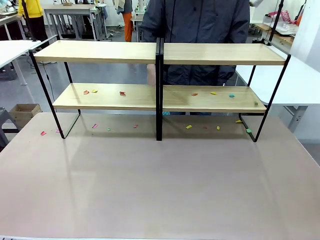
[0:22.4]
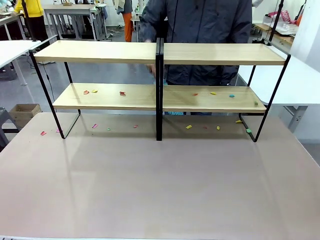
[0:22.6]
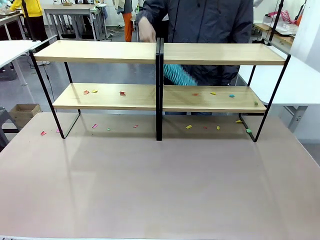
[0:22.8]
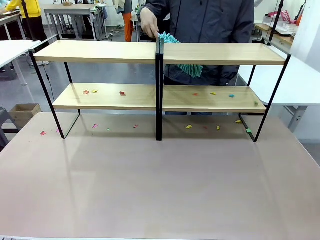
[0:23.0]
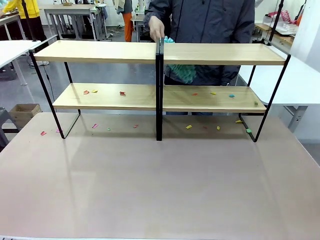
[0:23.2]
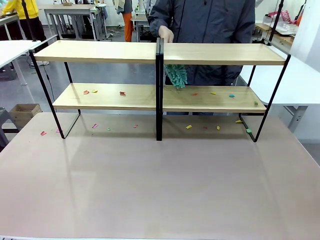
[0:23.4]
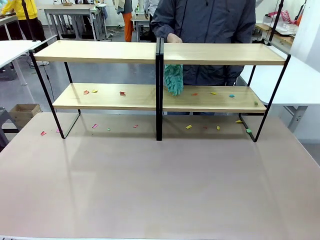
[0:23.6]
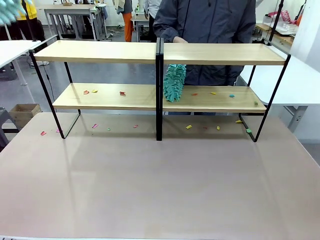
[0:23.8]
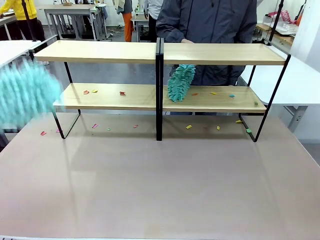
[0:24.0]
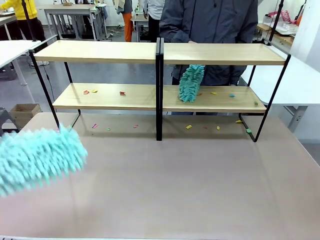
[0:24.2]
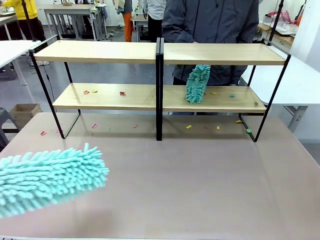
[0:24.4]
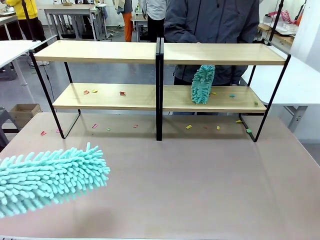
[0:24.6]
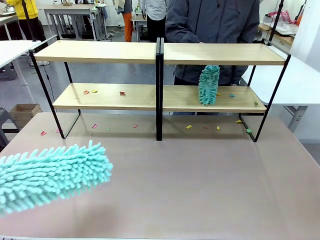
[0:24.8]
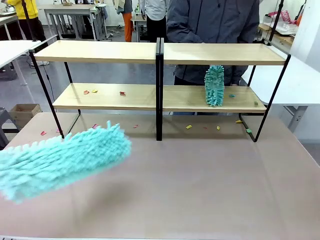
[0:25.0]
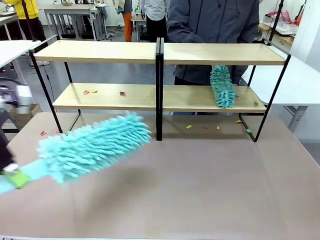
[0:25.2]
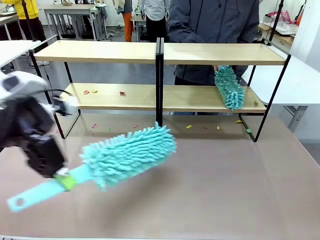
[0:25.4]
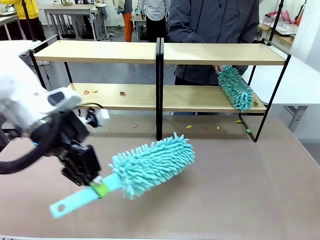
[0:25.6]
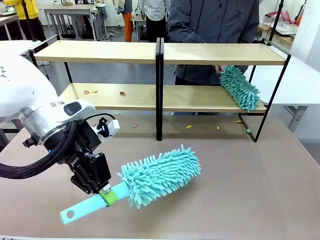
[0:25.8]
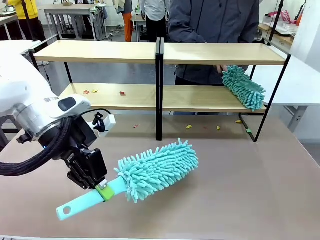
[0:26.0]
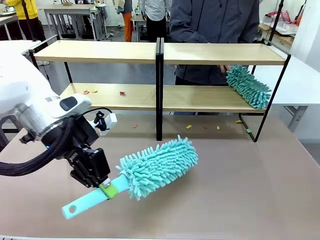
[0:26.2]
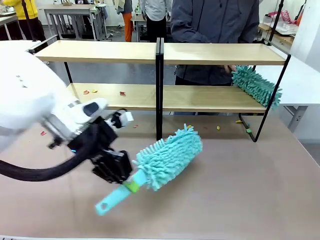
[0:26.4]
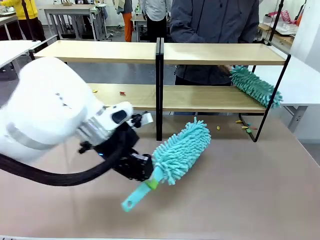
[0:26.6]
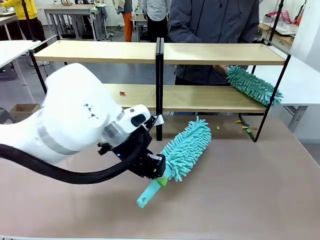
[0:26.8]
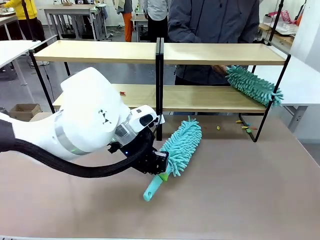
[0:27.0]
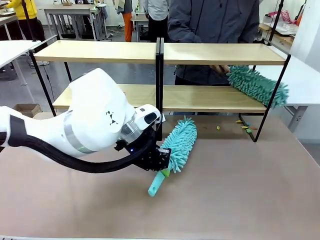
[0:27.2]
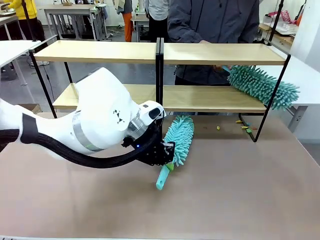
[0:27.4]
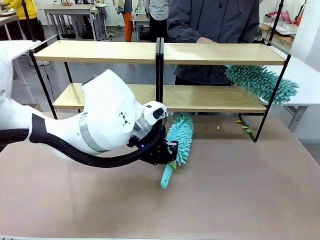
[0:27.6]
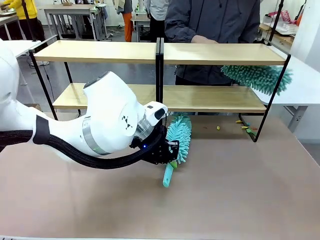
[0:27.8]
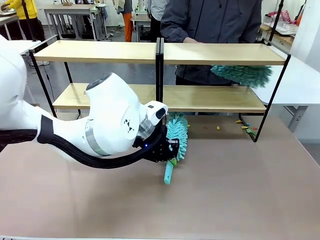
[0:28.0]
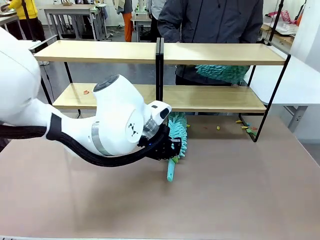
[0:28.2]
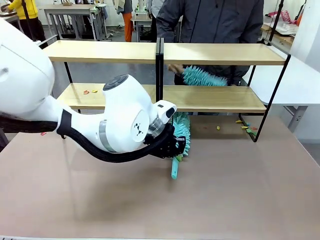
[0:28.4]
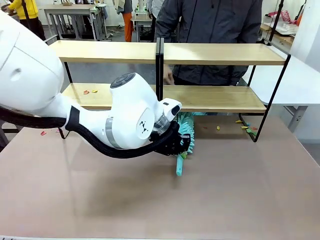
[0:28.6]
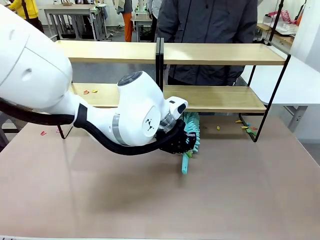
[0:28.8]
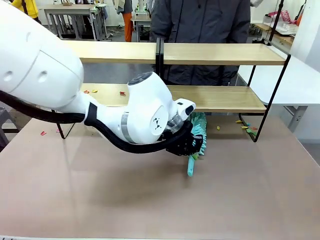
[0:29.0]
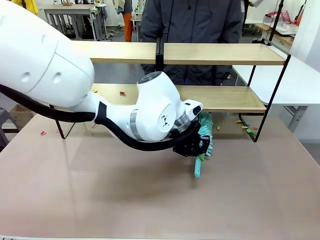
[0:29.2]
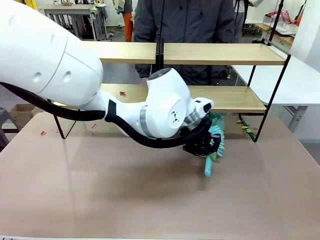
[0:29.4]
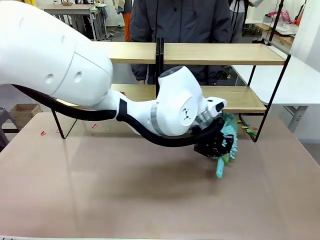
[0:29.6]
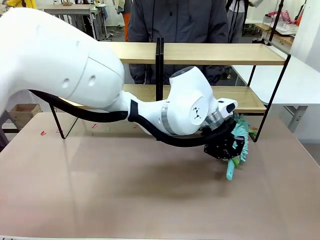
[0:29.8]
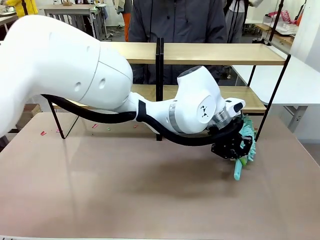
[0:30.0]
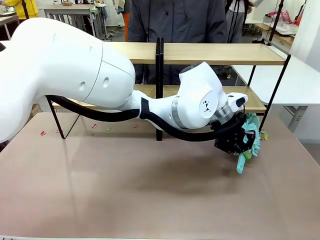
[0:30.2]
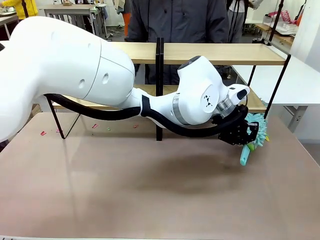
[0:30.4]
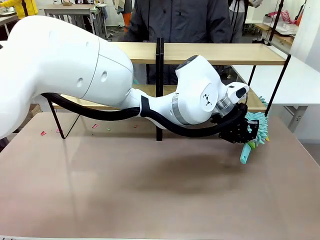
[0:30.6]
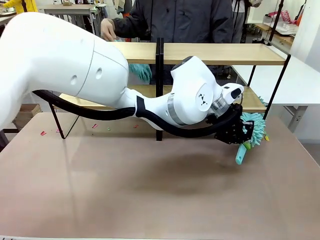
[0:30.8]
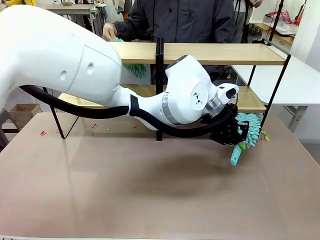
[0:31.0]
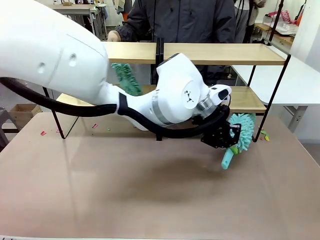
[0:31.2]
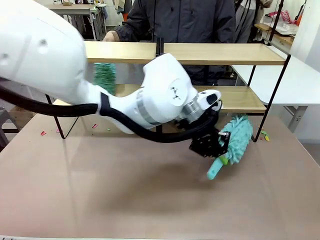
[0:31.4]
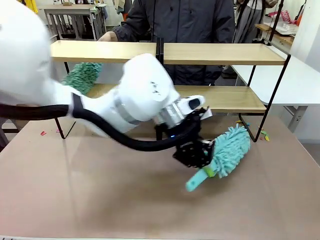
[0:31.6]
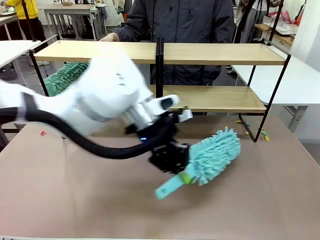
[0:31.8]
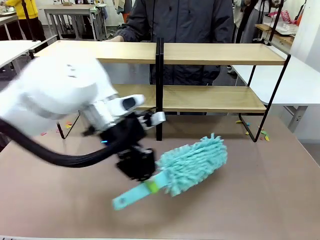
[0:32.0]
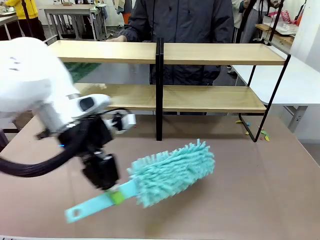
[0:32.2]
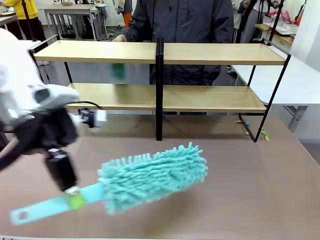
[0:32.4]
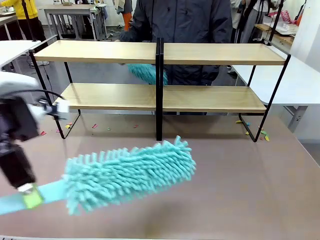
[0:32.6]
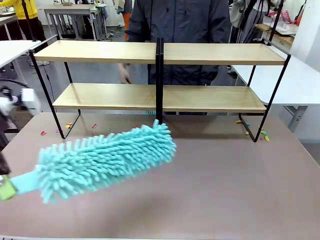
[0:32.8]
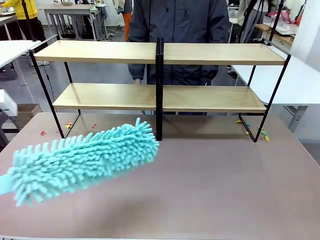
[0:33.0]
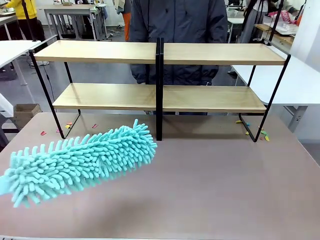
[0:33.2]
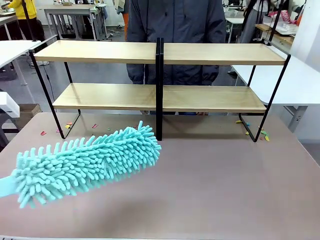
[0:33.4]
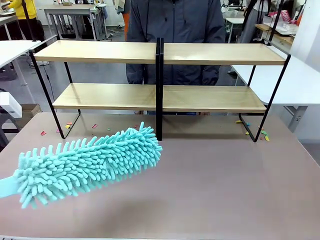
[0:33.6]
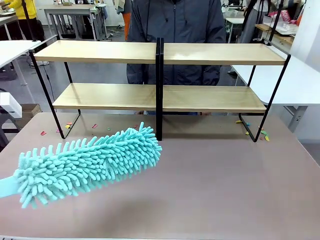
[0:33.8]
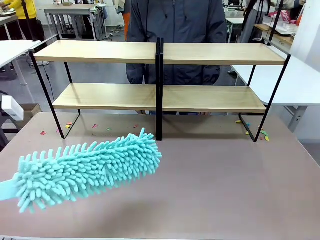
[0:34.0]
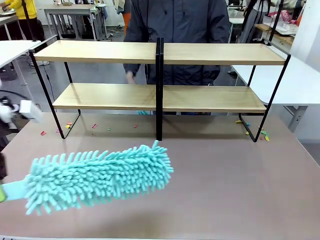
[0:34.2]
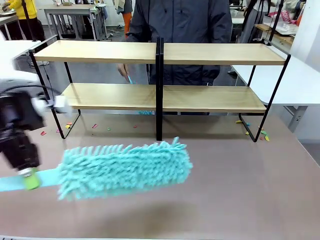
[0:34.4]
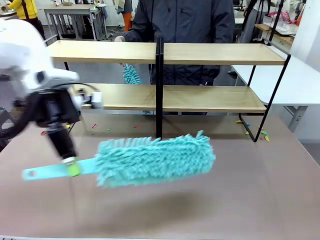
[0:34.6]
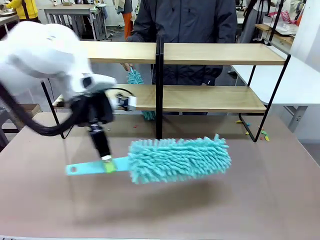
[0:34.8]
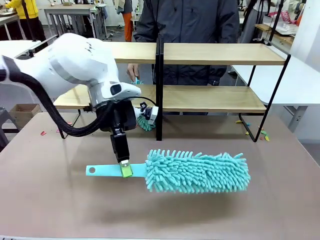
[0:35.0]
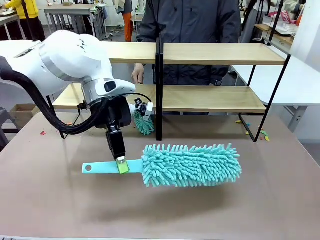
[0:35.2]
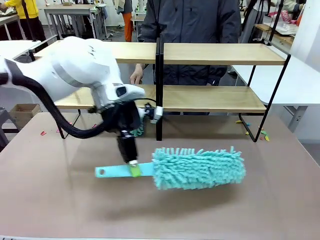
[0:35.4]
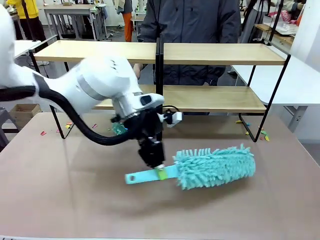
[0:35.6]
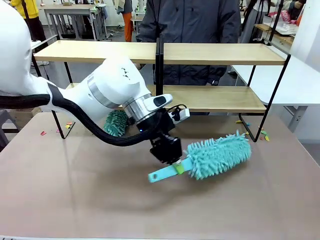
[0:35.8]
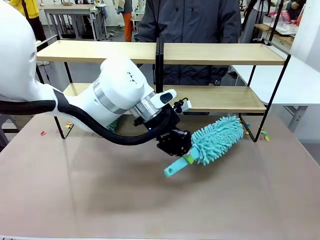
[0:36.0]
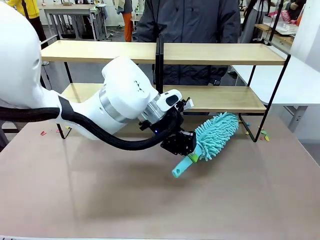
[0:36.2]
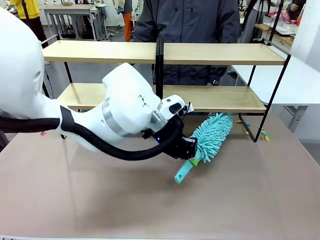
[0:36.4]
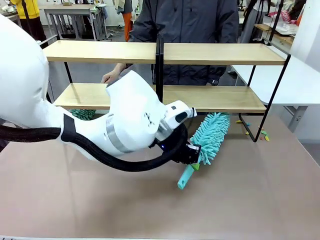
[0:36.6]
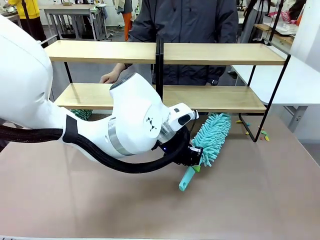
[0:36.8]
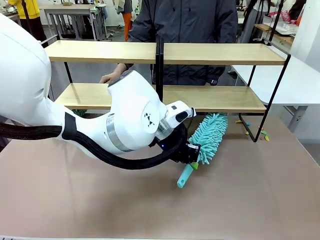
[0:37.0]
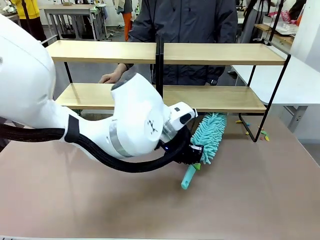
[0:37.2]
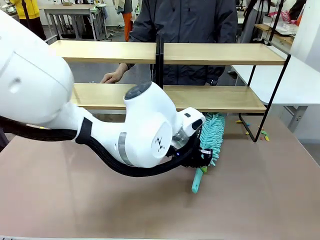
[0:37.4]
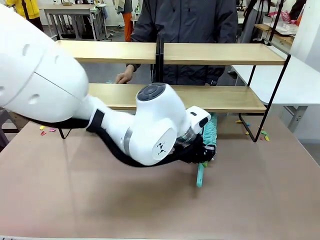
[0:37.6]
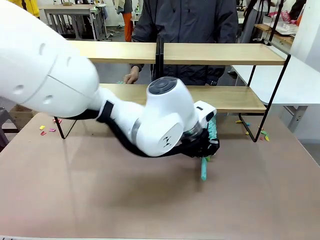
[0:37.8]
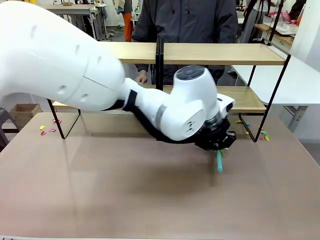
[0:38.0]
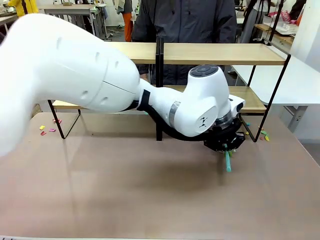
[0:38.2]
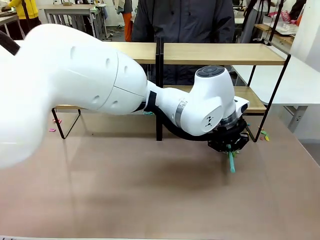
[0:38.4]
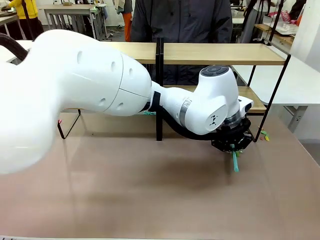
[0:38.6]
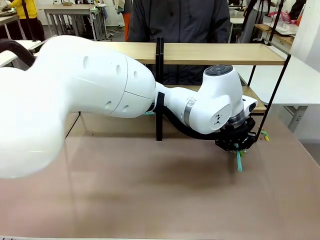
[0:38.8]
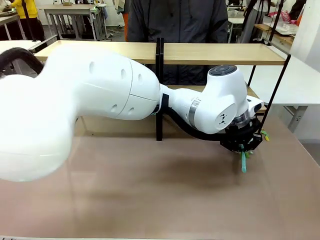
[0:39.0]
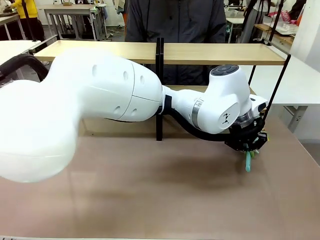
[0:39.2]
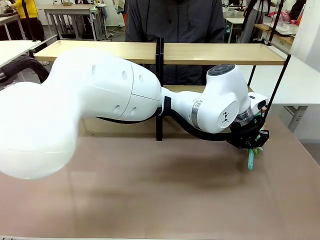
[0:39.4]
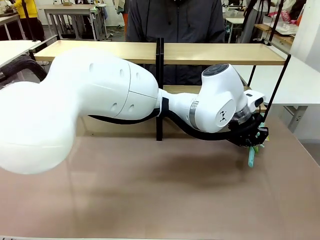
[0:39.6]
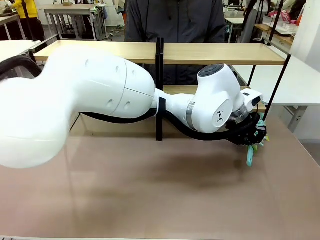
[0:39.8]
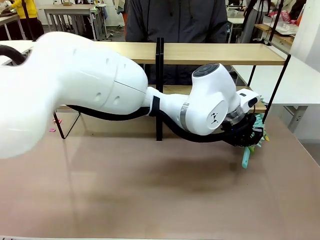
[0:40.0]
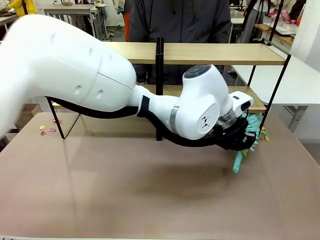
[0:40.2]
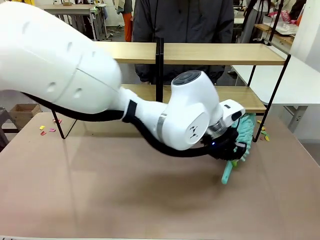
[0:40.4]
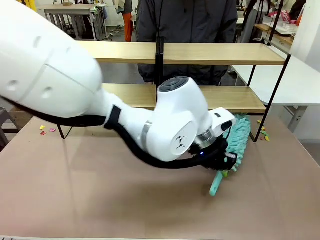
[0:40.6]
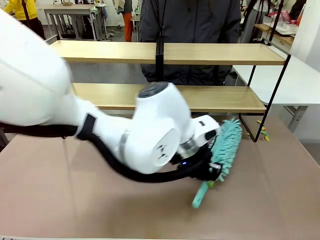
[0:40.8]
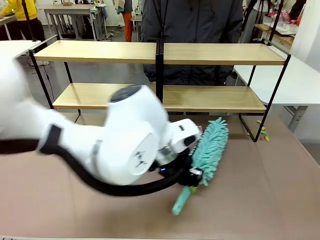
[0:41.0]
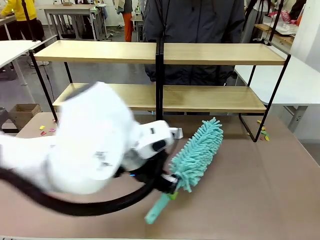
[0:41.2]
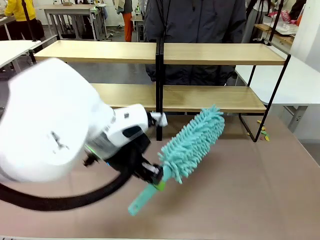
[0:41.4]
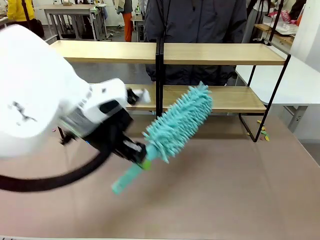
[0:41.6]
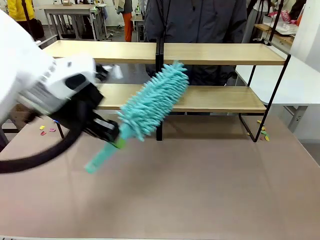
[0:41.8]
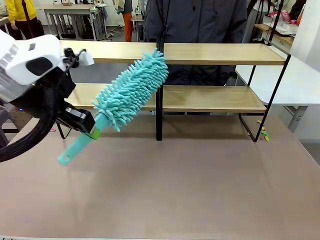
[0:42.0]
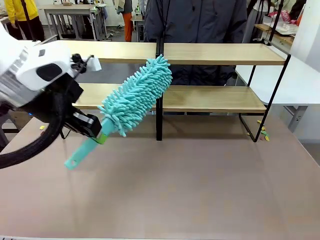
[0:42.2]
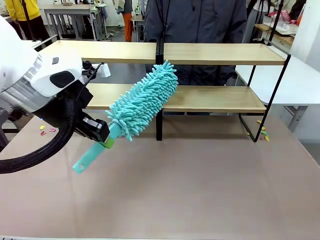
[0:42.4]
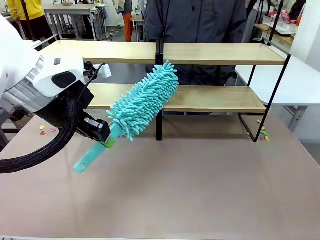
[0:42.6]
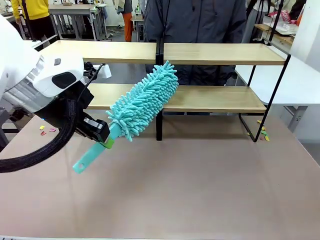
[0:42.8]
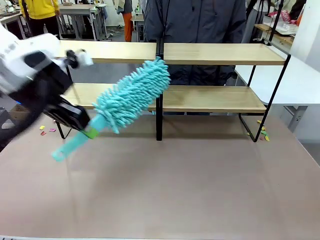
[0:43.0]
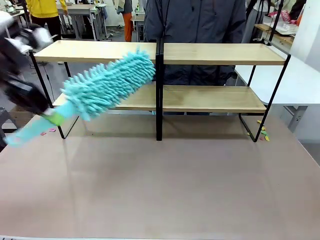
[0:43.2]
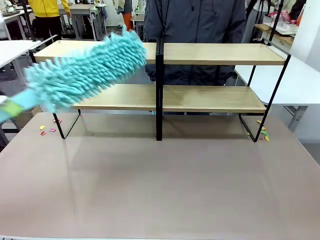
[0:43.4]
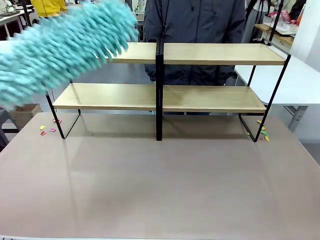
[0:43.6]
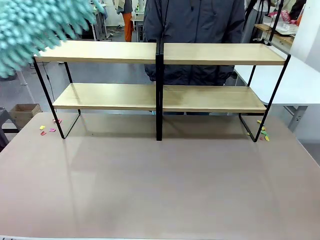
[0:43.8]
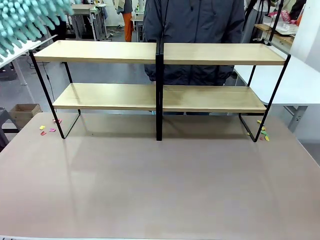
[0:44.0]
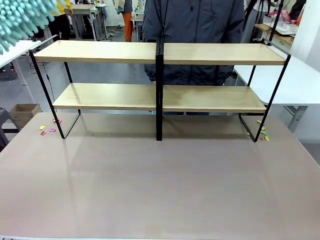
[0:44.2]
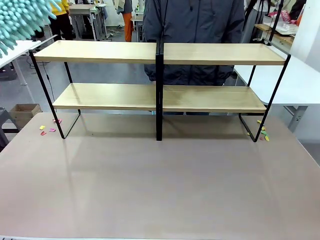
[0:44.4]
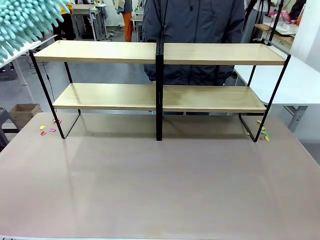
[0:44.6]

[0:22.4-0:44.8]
Task: Clean the shelves.
Robot: Clean another randomly selected level of the Shelf with the Duster.
Person: Clean a randomly selected level of the Shelf with the Duster.
